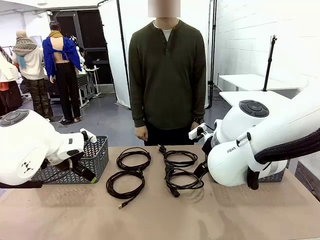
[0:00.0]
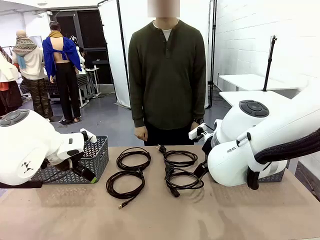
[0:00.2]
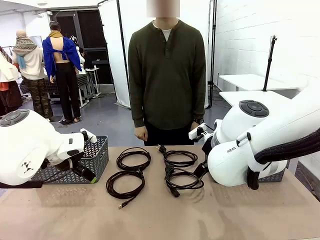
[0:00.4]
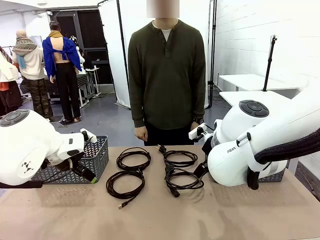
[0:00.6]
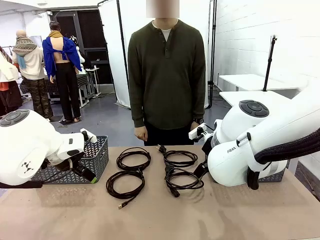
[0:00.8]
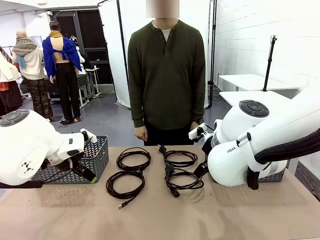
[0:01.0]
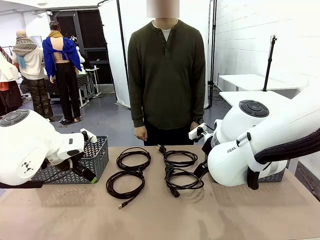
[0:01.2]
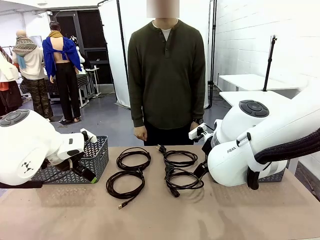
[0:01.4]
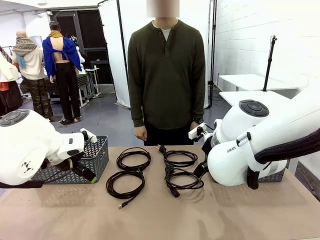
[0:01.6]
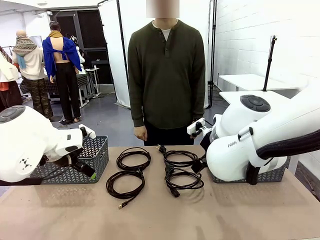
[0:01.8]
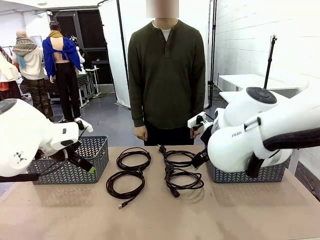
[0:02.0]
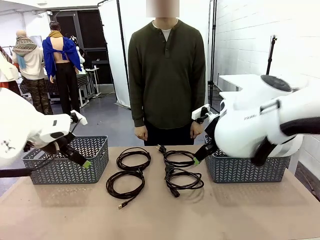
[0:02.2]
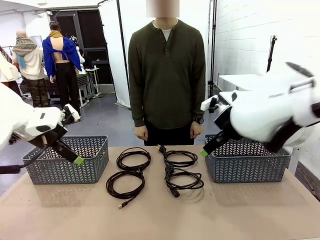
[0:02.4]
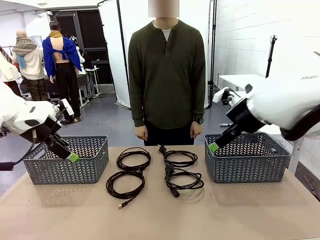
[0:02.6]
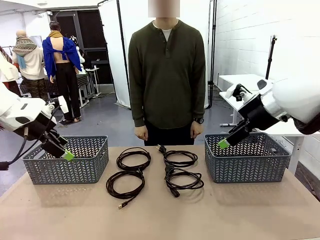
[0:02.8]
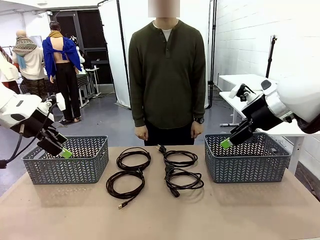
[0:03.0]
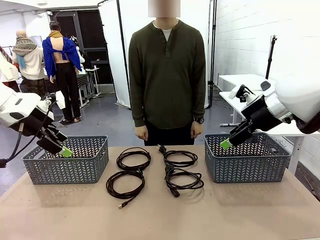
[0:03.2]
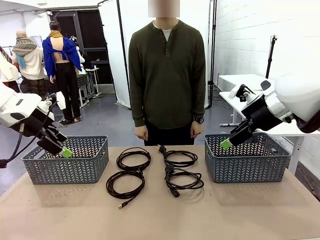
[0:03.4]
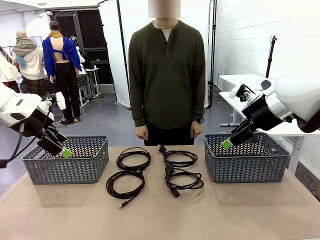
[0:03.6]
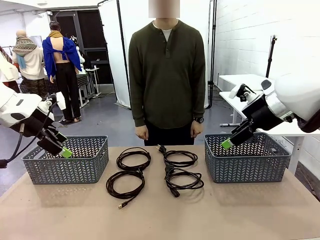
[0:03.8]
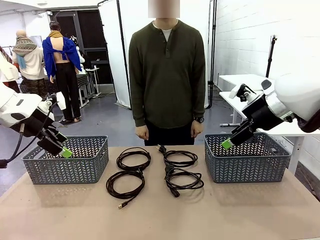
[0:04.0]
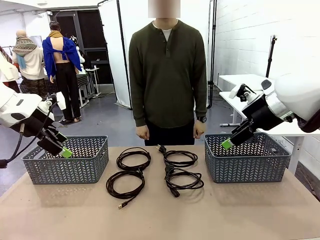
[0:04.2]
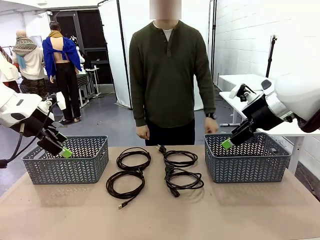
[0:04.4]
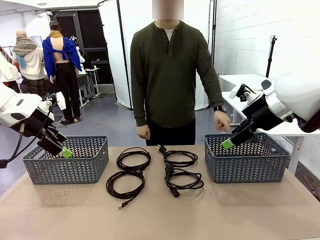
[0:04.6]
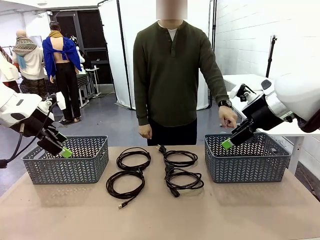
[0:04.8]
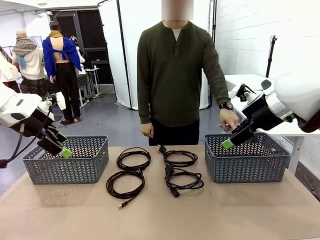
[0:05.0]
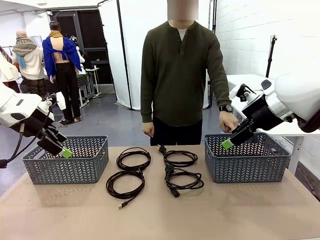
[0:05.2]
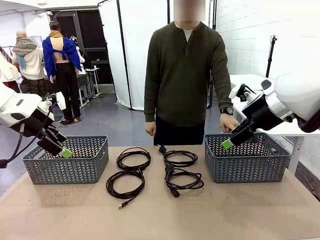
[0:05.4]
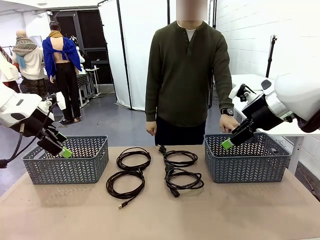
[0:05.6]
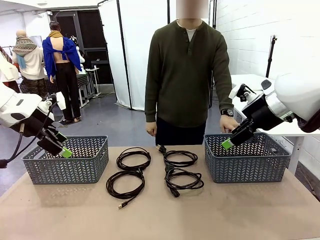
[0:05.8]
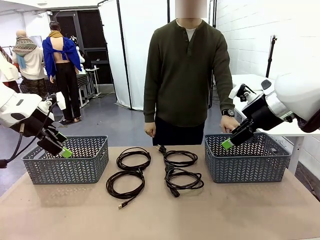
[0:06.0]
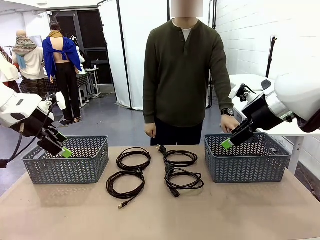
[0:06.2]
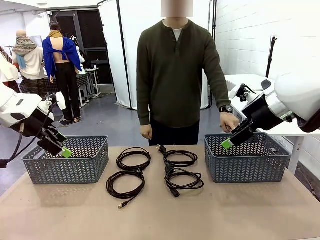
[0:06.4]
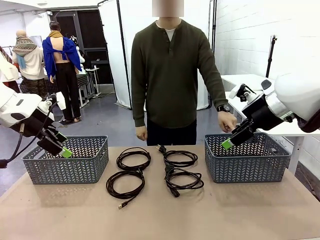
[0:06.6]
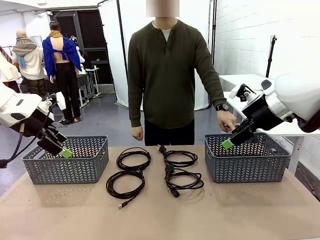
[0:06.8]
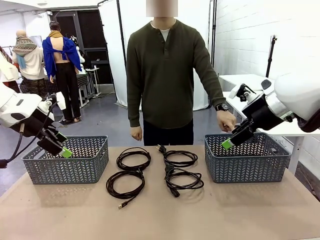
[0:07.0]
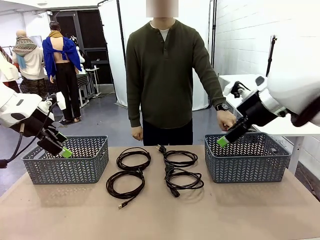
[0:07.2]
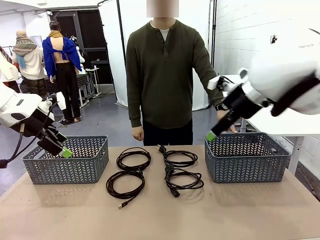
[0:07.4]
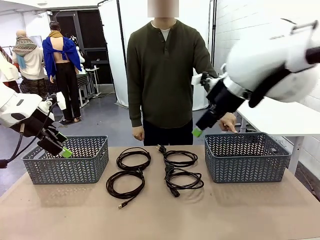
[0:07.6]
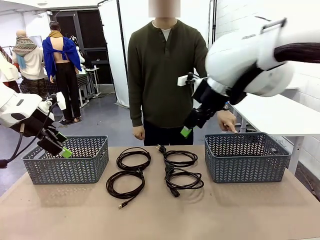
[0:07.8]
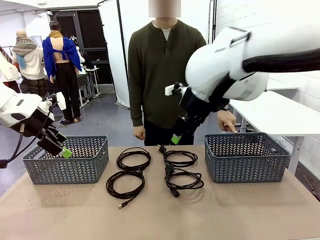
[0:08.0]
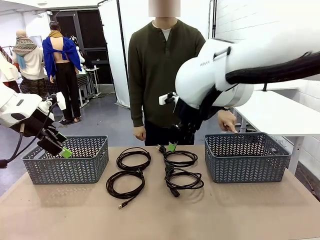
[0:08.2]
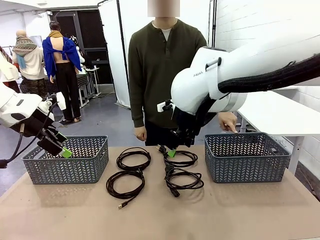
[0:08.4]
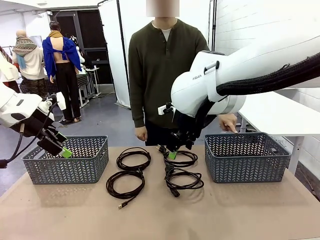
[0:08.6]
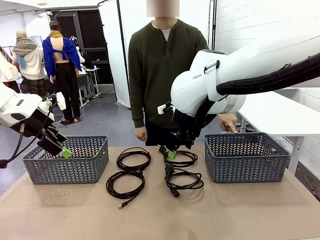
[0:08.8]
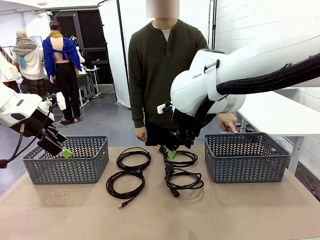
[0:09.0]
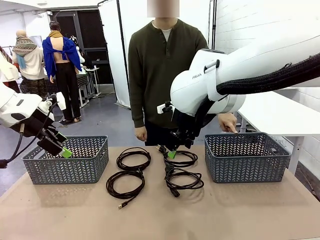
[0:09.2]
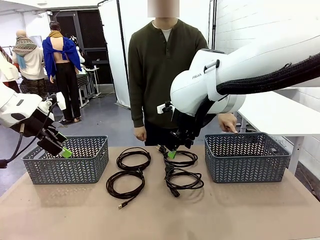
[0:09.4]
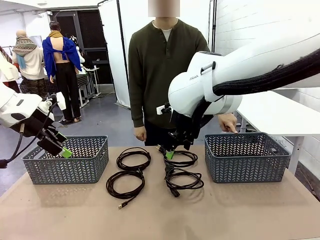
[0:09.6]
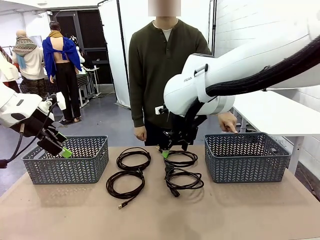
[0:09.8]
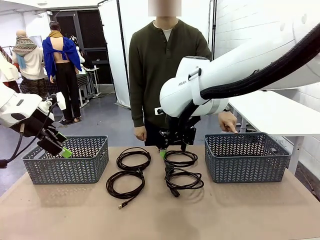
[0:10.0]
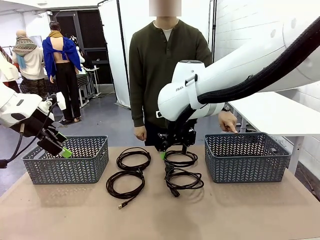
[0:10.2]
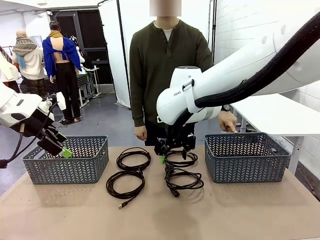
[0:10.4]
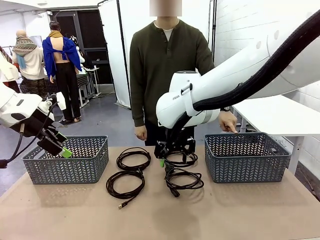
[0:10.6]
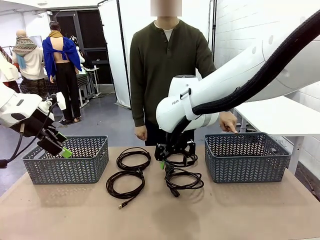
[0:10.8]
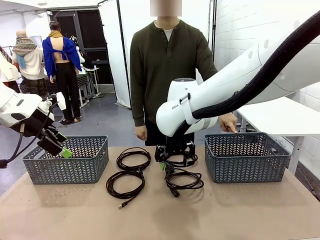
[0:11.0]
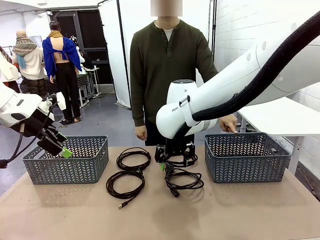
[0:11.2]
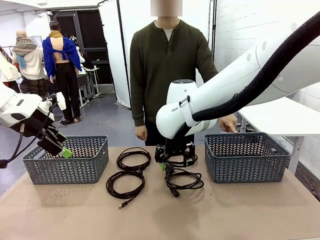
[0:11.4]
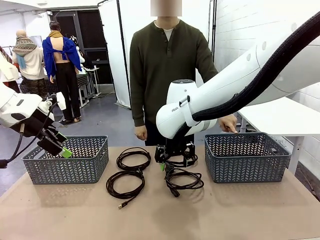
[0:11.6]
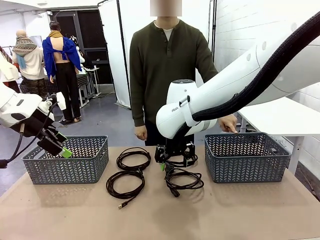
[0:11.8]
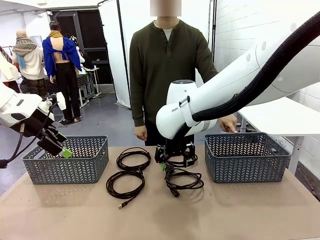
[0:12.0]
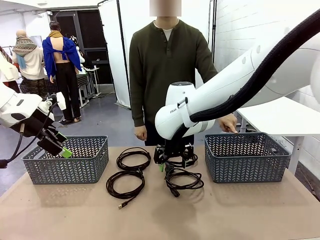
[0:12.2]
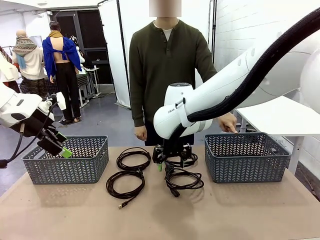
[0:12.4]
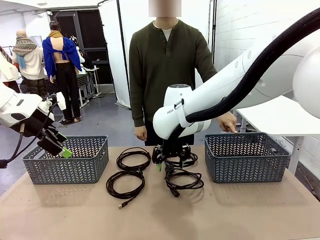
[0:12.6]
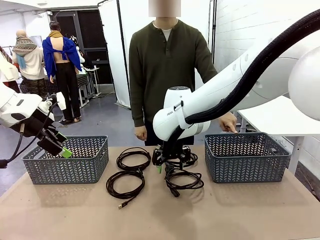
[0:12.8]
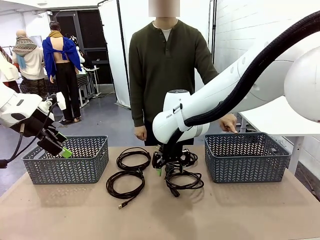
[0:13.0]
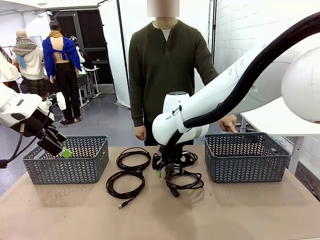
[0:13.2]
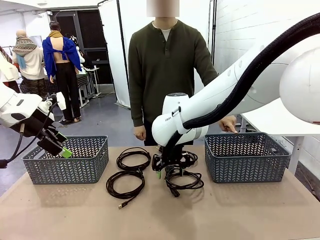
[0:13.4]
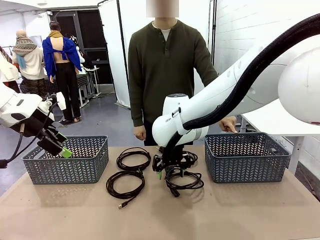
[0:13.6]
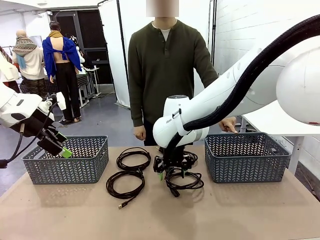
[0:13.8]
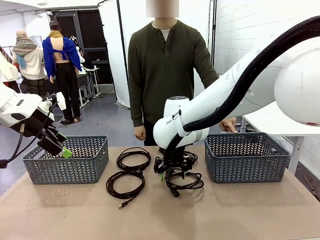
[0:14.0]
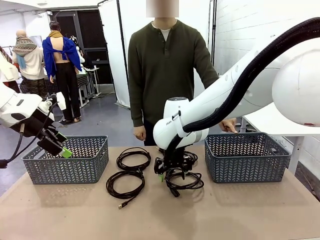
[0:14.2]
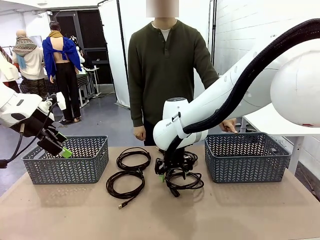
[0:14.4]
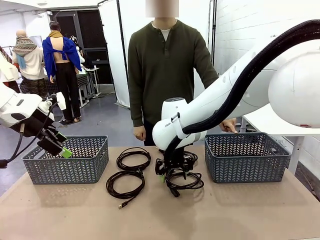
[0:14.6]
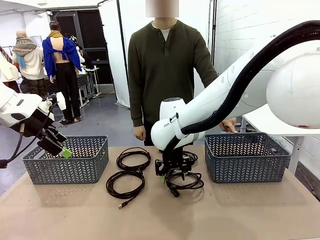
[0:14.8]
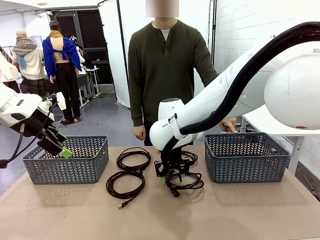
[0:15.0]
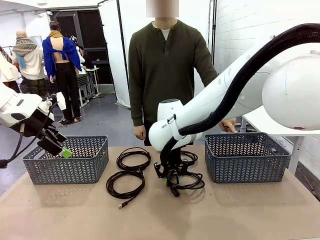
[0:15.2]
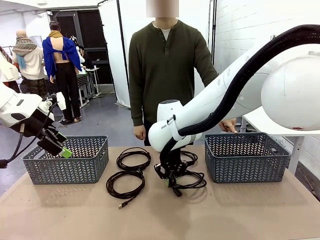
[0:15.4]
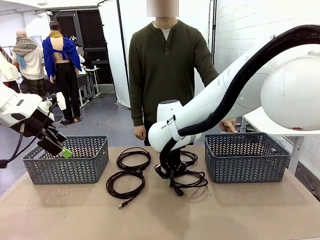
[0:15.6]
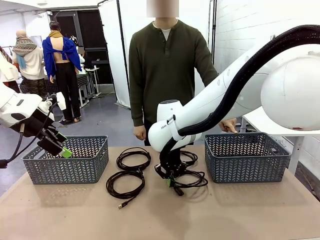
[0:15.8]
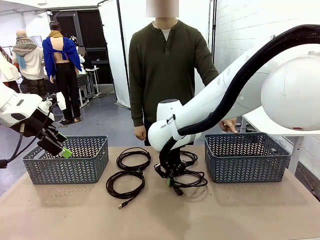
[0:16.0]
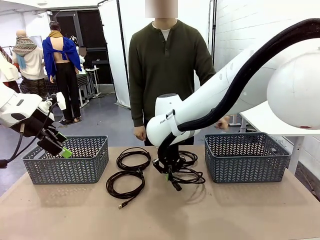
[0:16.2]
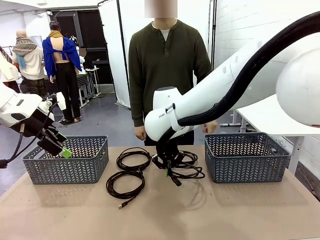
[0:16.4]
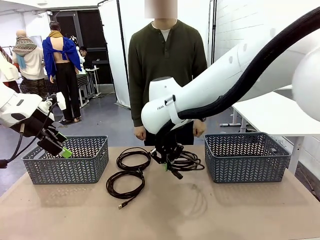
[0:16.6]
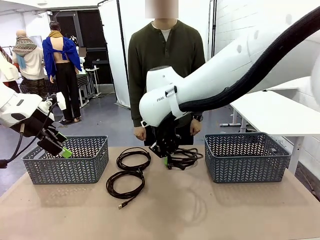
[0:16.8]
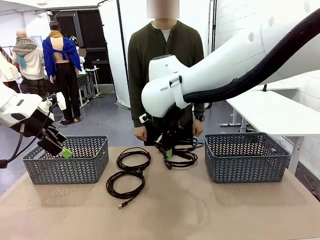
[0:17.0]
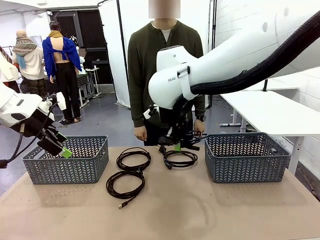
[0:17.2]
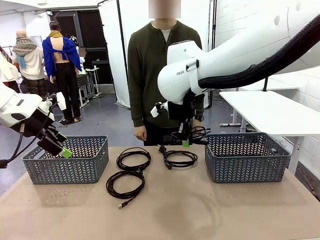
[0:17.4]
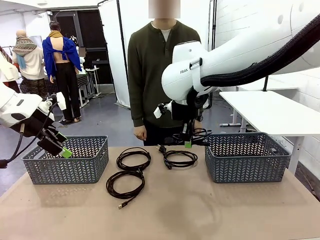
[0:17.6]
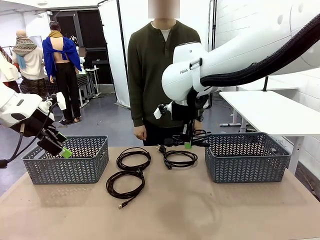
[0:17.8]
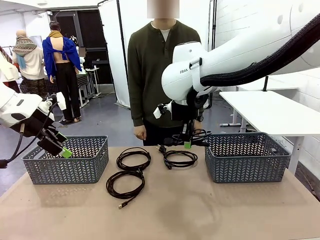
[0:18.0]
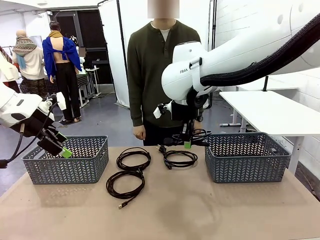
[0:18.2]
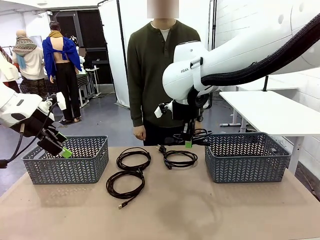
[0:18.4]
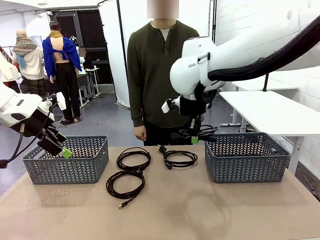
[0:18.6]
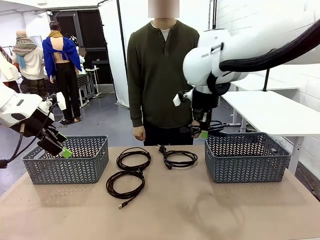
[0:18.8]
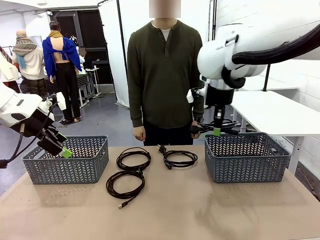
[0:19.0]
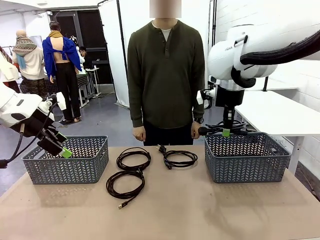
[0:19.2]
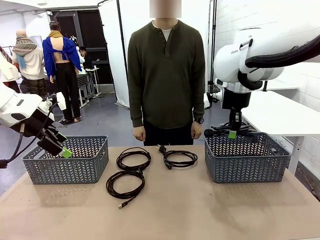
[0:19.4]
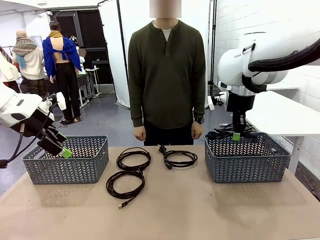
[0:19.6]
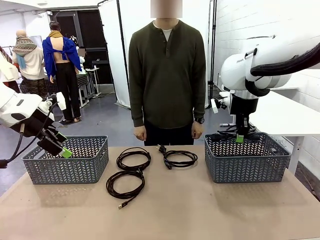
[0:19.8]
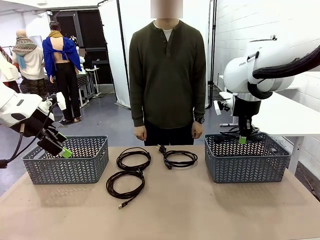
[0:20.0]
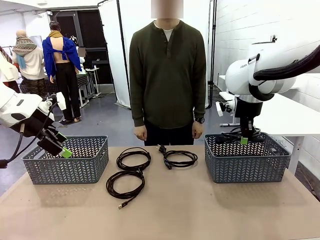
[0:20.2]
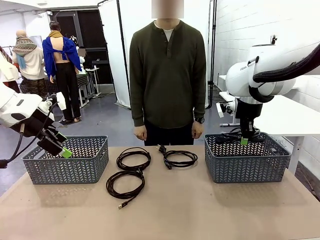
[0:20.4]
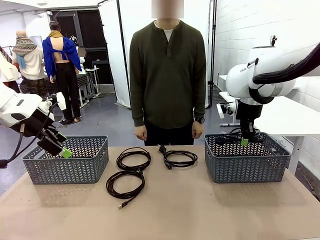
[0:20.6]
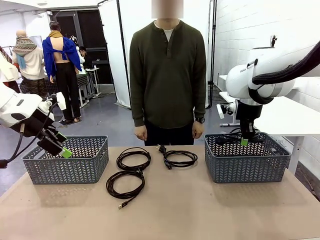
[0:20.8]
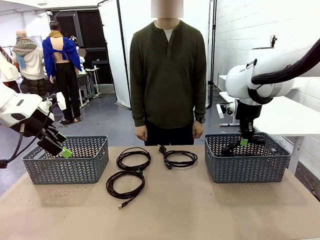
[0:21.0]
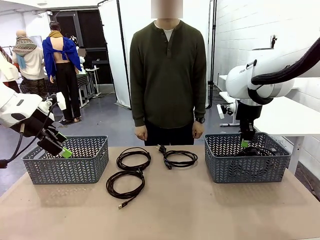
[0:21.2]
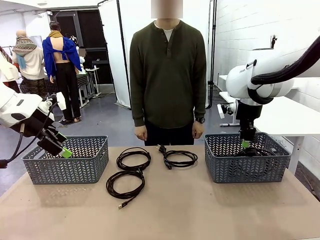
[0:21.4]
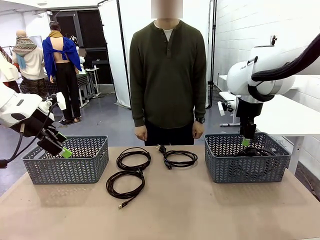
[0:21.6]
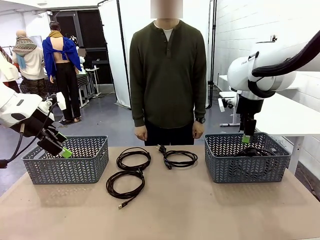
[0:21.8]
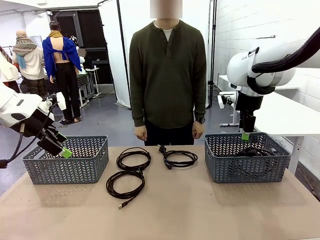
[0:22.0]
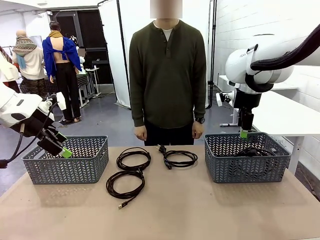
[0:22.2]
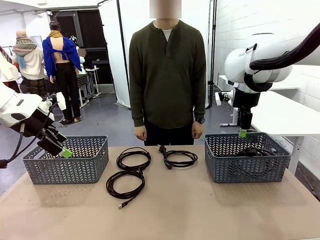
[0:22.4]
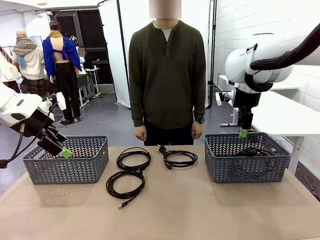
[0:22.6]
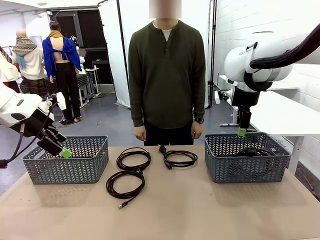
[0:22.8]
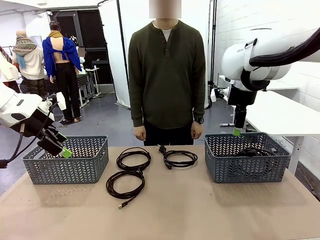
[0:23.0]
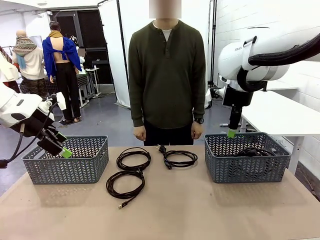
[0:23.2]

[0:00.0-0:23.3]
Task: Organize the cables according to human instructions.
Robot: Pick up a bundle of cables and place it in the basket indicated by the human.
